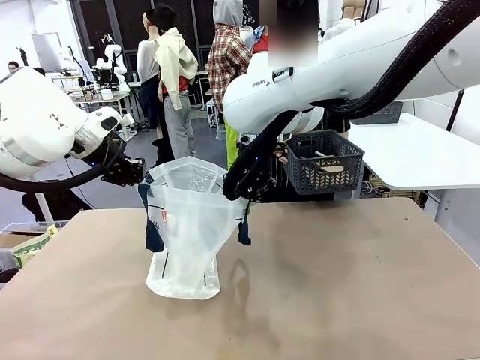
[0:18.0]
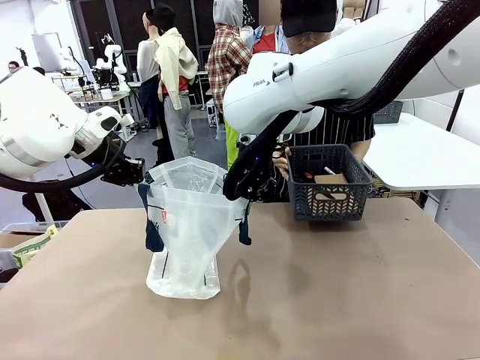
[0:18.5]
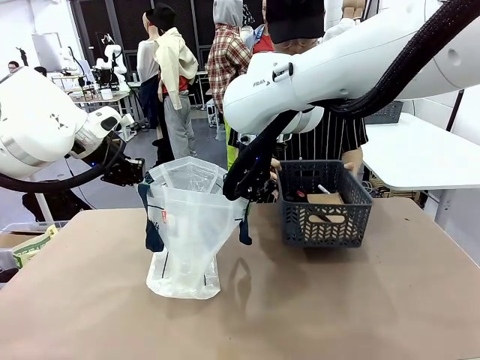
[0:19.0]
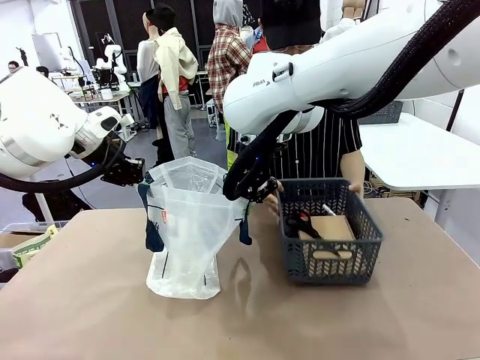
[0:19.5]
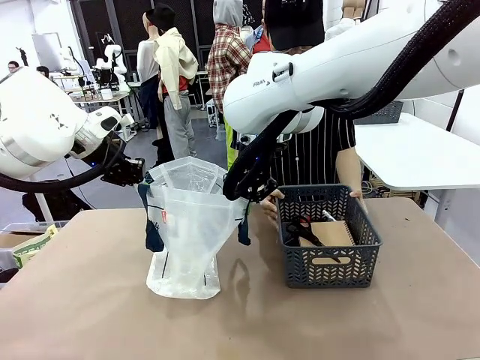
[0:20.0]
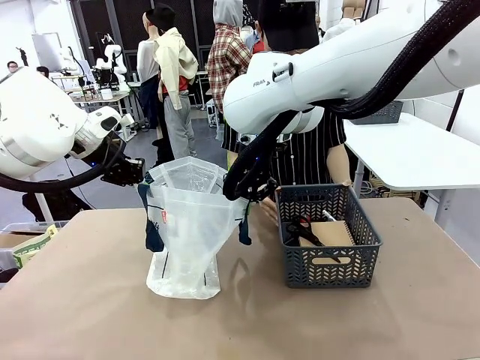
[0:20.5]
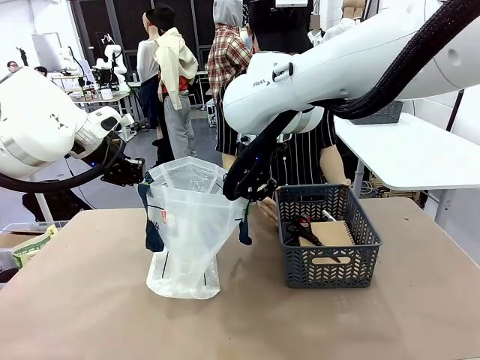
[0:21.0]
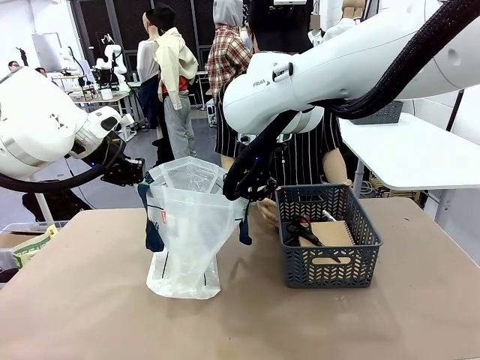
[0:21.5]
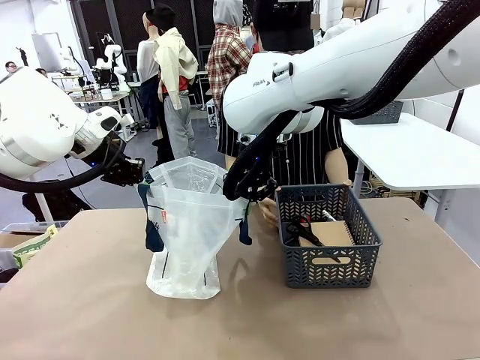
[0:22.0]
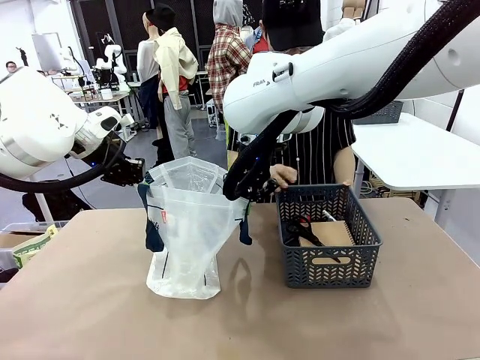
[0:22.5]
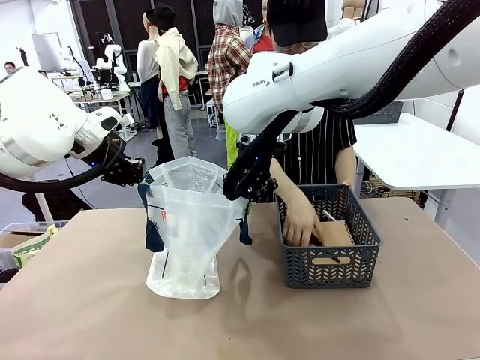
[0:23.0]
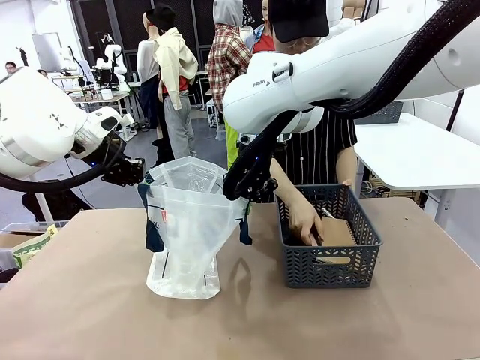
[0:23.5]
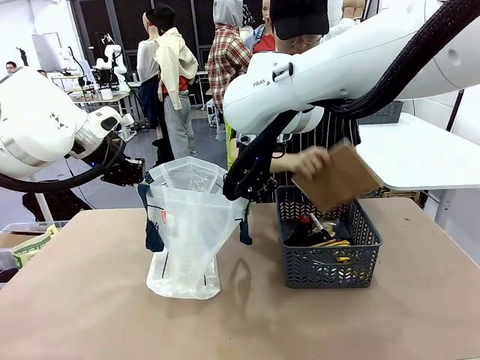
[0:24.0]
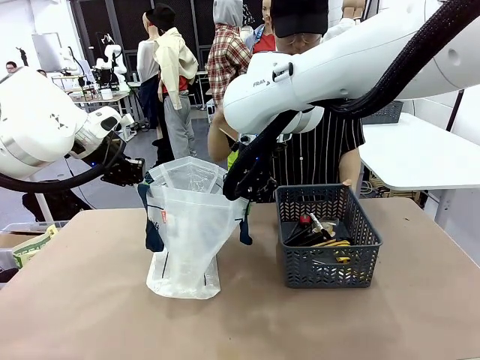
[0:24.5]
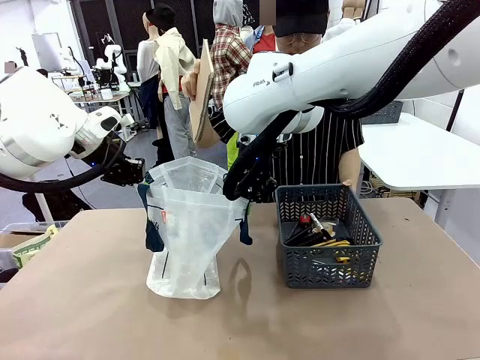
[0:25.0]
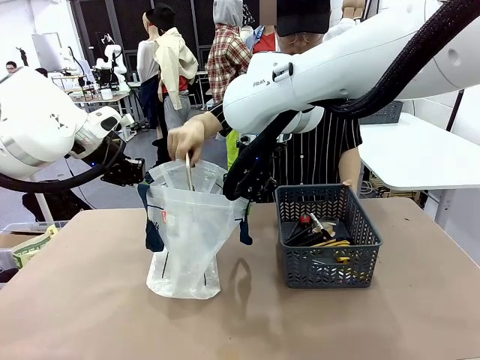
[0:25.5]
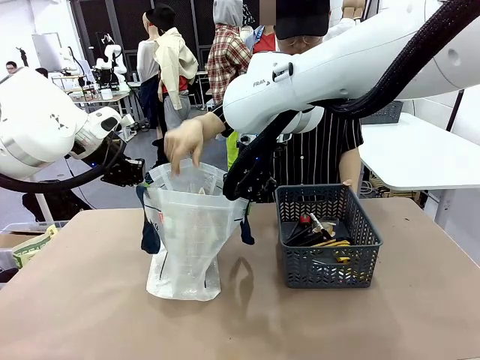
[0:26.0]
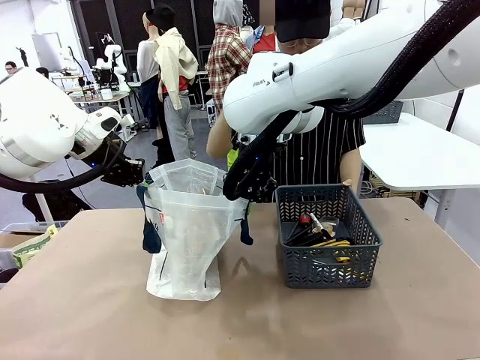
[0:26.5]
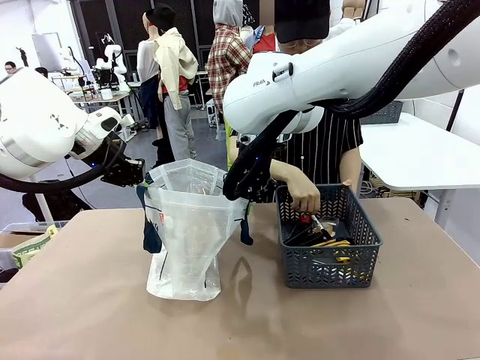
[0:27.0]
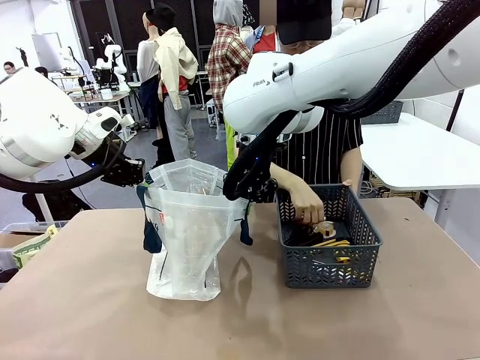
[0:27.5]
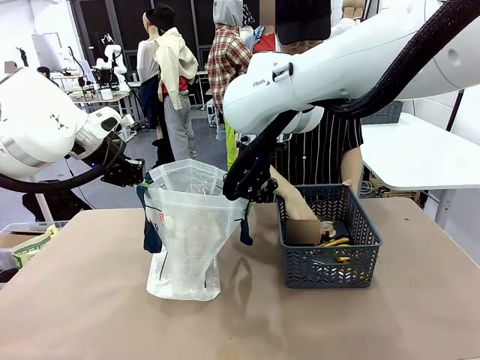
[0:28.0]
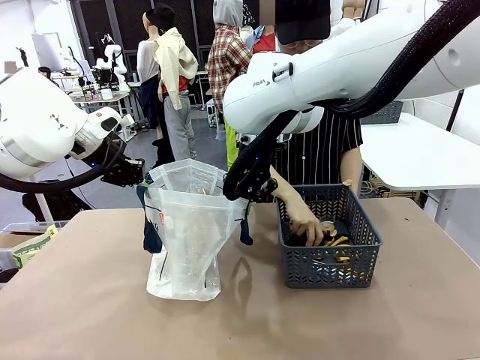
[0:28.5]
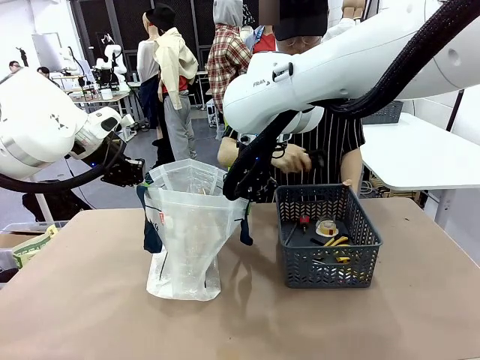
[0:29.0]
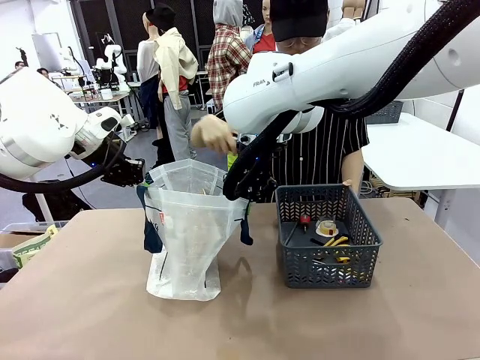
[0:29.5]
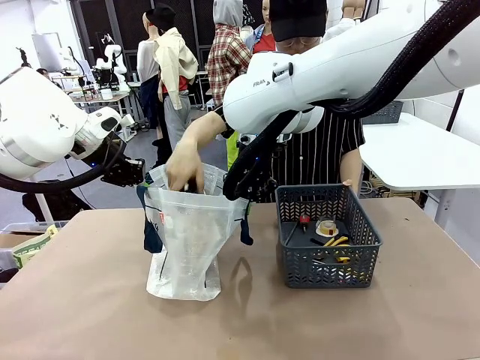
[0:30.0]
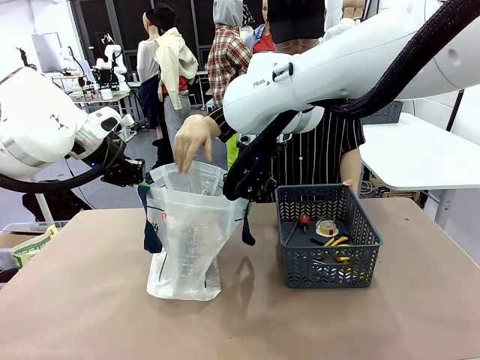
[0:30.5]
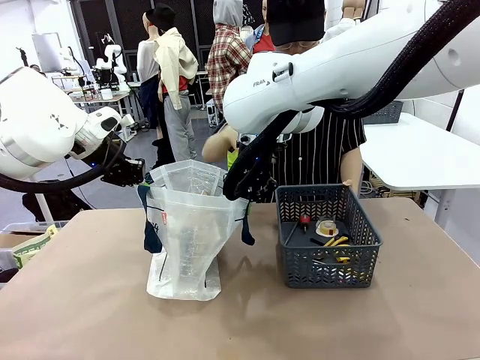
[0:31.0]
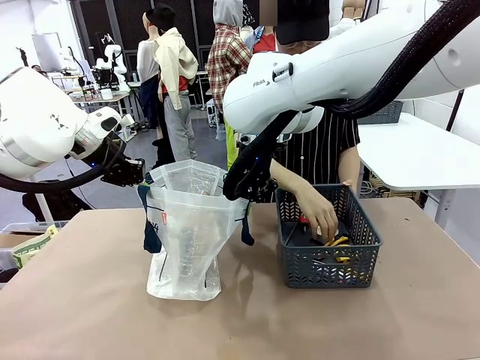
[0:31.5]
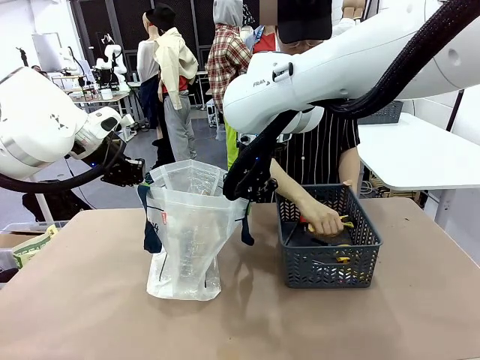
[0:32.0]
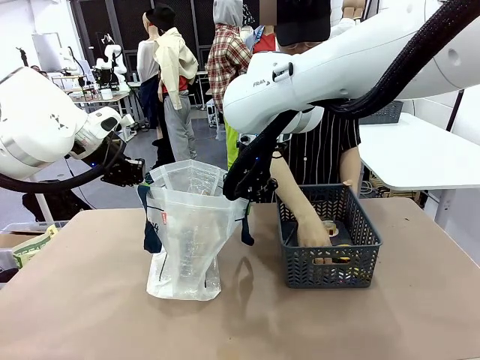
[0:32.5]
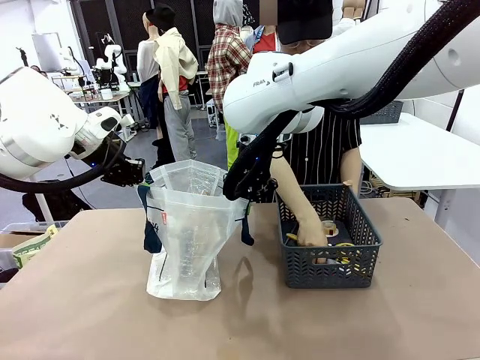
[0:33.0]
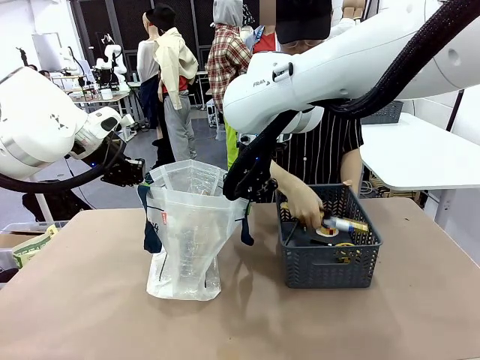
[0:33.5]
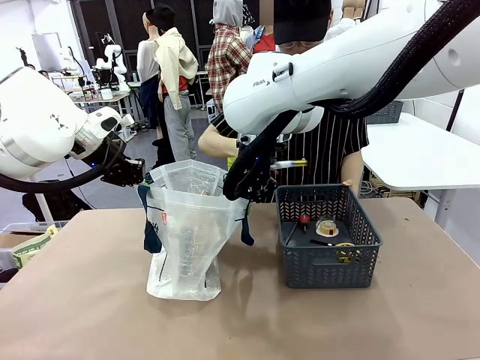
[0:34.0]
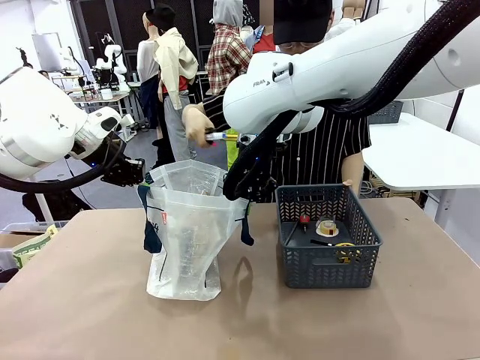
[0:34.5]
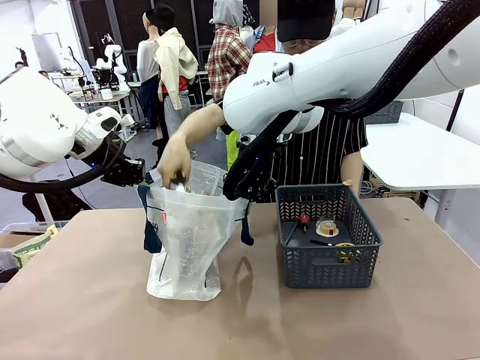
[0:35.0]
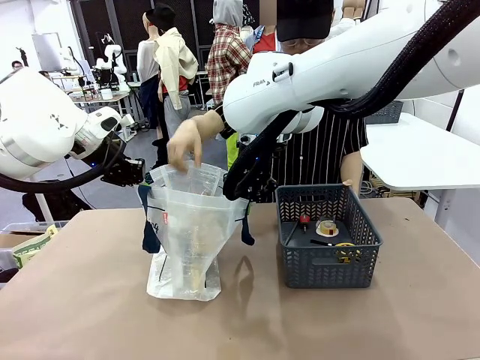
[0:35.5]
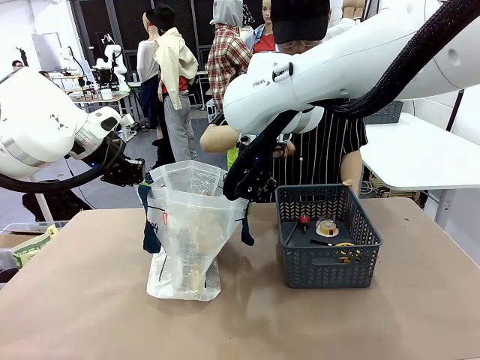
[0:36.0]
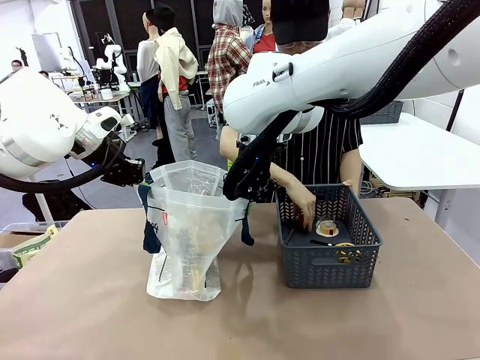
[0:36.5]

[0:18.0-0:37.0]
Task: Transfer purchased items from the store into the shopping bag.
Robot: Move the Reusable shopping bag to the right side of the table.
Person: Pick up the basket with the items out and place it on the right side of the human table.
